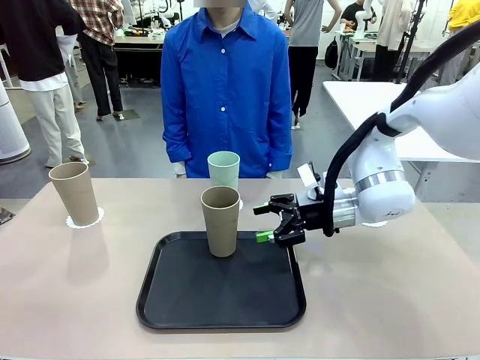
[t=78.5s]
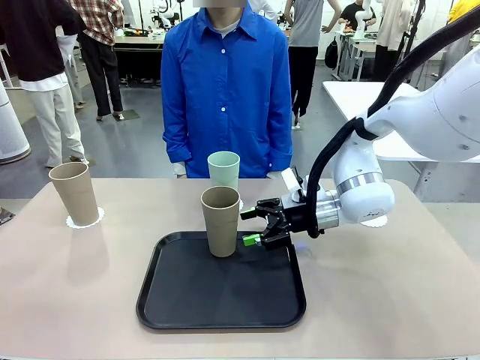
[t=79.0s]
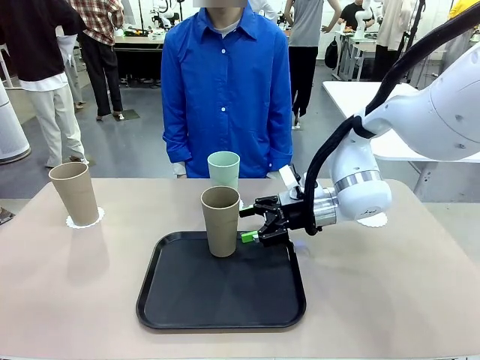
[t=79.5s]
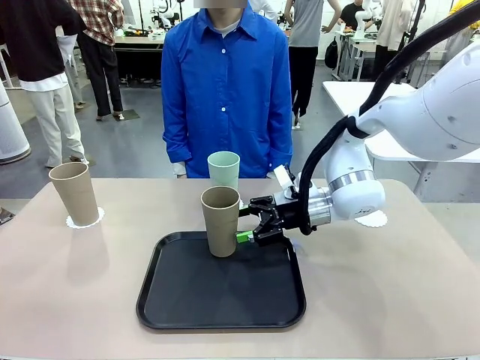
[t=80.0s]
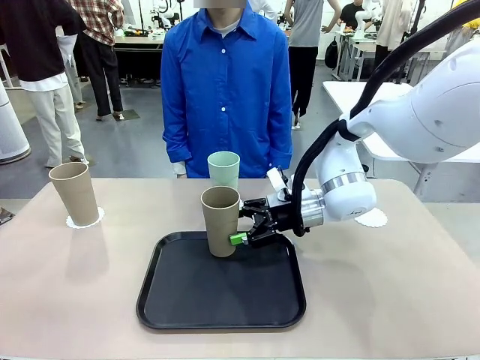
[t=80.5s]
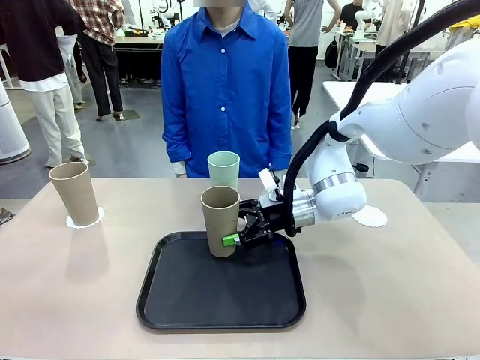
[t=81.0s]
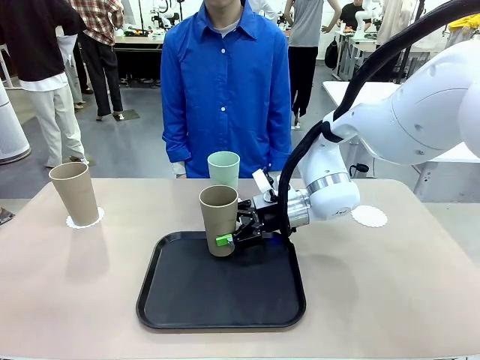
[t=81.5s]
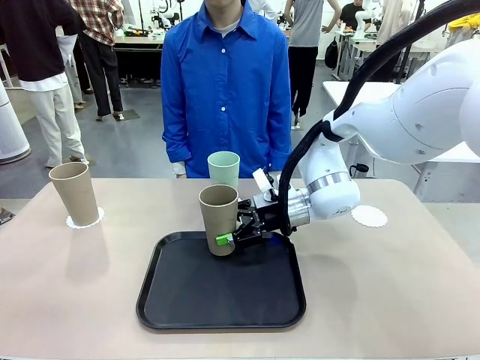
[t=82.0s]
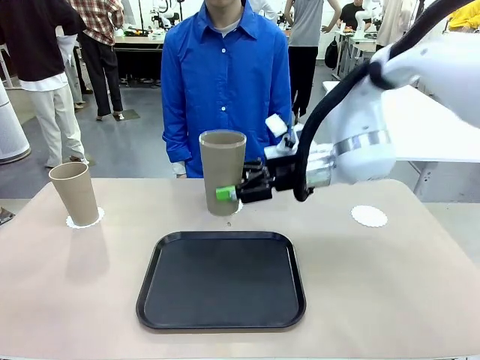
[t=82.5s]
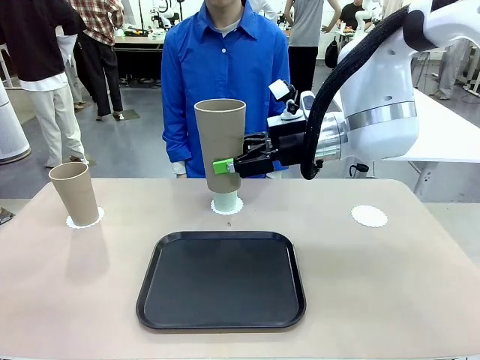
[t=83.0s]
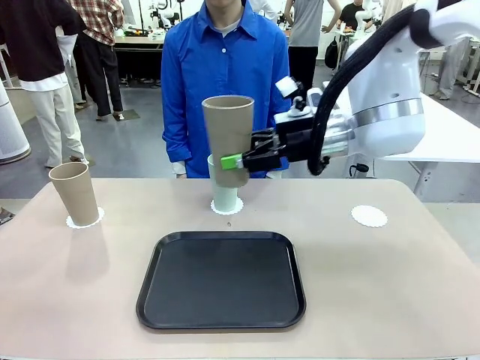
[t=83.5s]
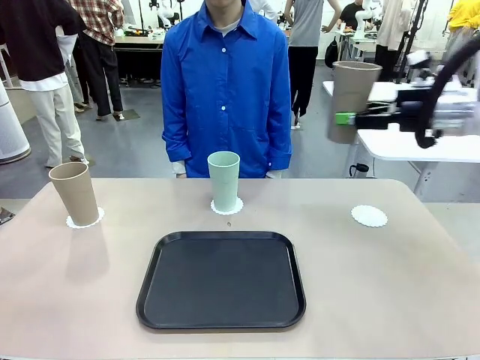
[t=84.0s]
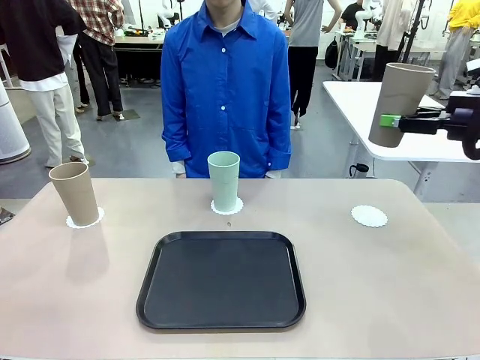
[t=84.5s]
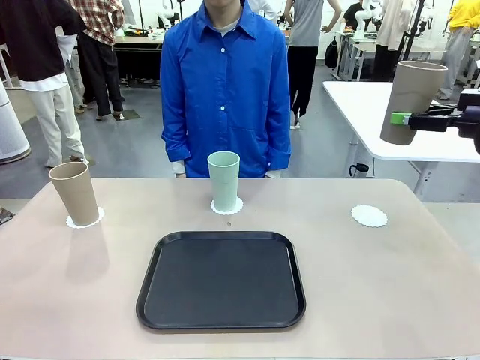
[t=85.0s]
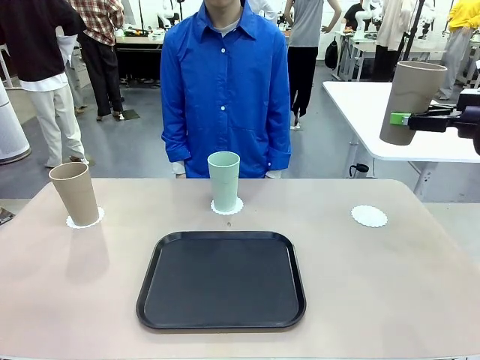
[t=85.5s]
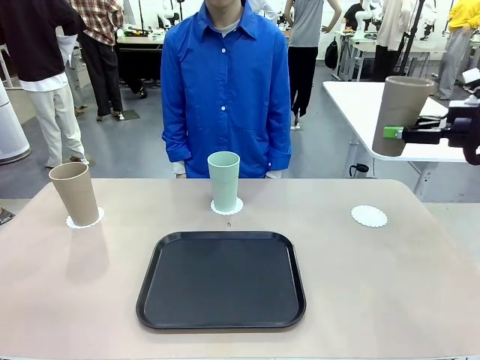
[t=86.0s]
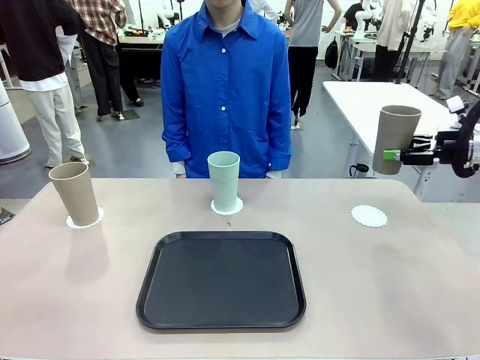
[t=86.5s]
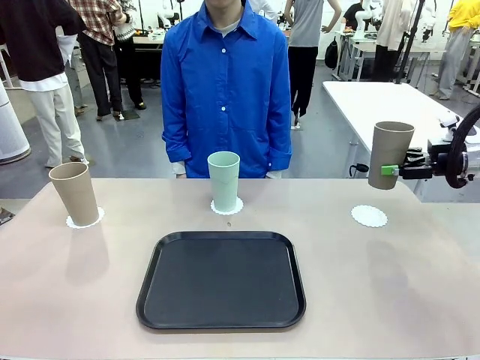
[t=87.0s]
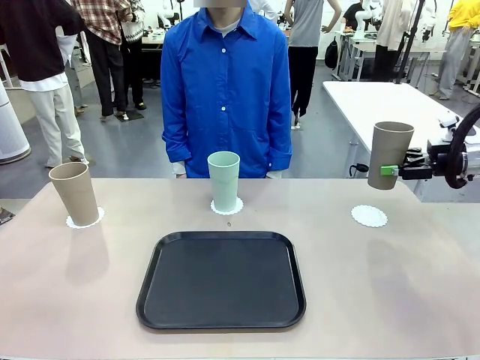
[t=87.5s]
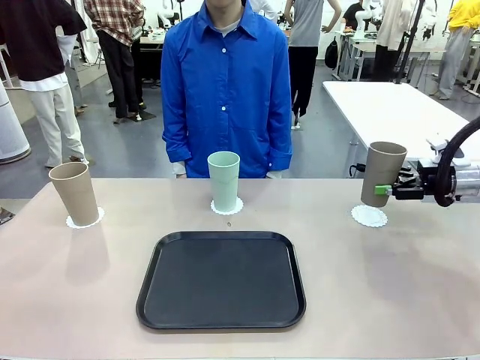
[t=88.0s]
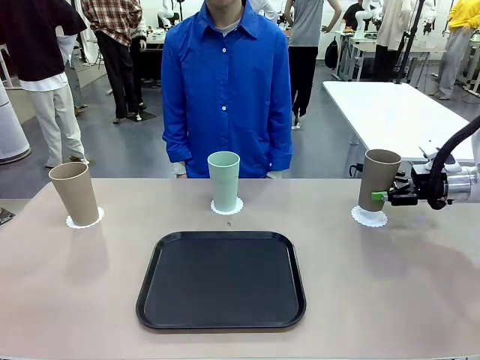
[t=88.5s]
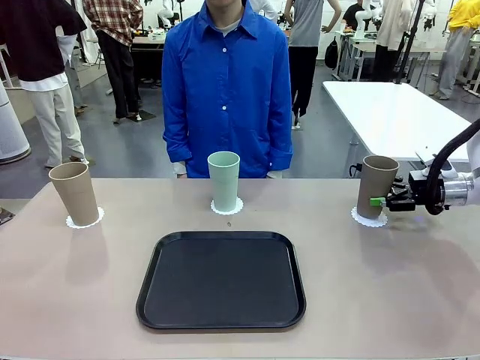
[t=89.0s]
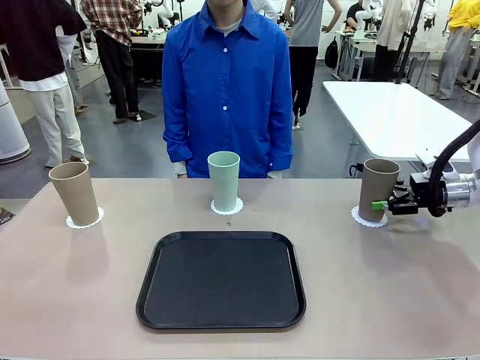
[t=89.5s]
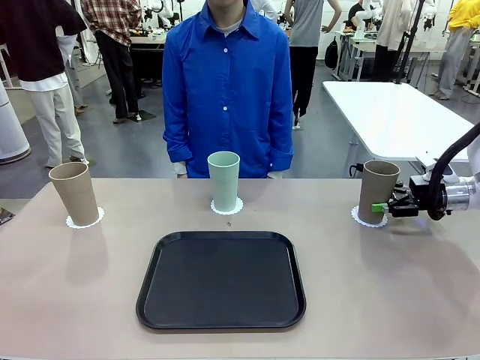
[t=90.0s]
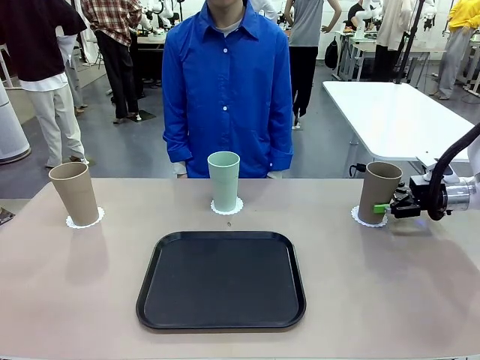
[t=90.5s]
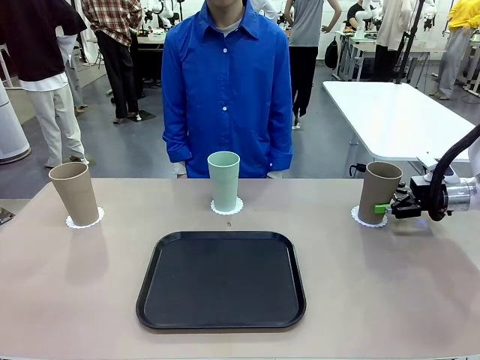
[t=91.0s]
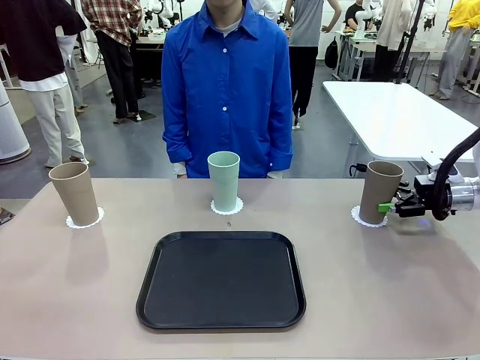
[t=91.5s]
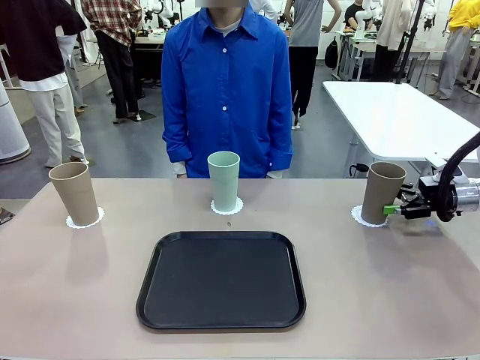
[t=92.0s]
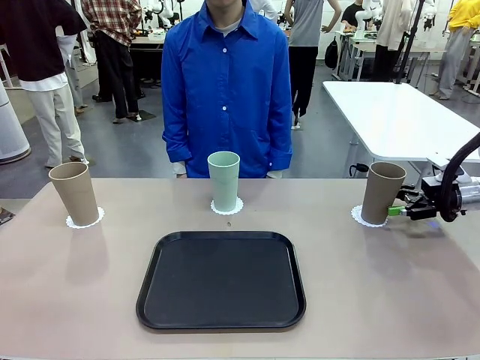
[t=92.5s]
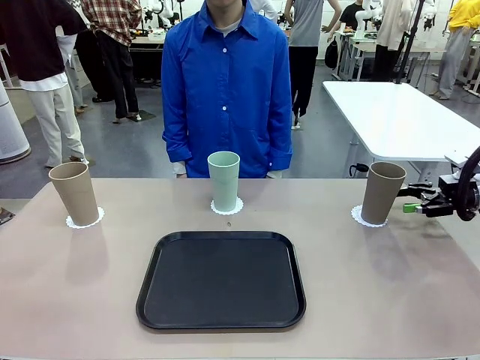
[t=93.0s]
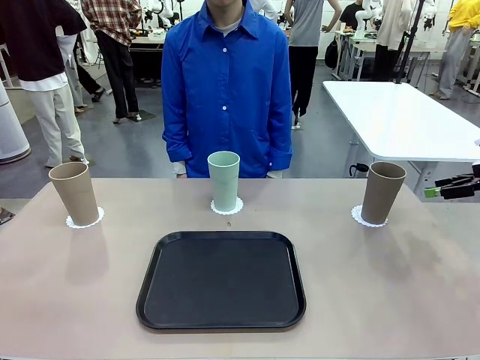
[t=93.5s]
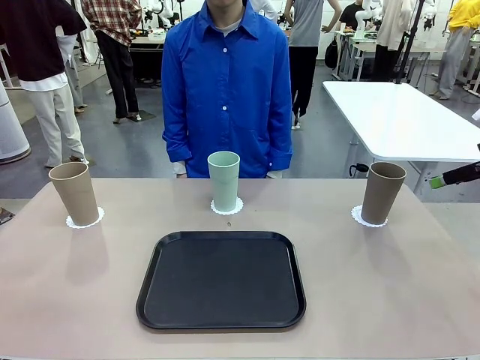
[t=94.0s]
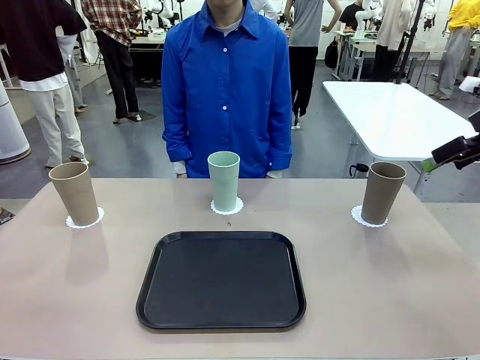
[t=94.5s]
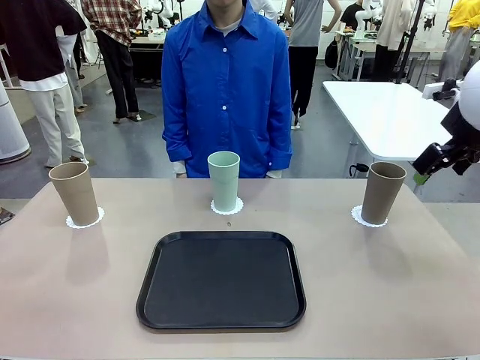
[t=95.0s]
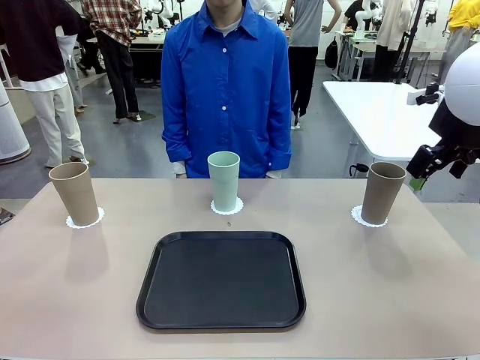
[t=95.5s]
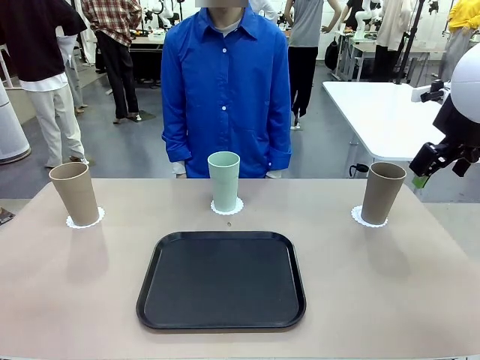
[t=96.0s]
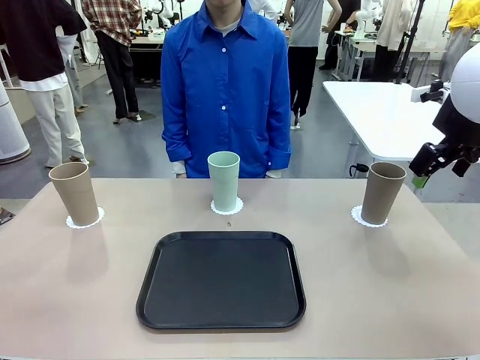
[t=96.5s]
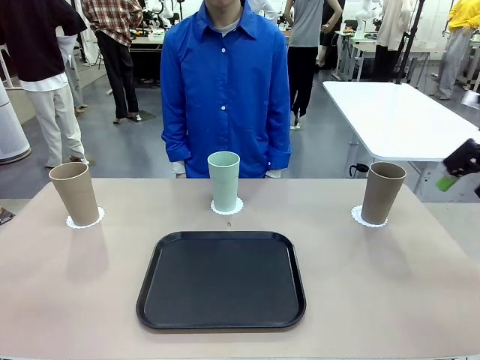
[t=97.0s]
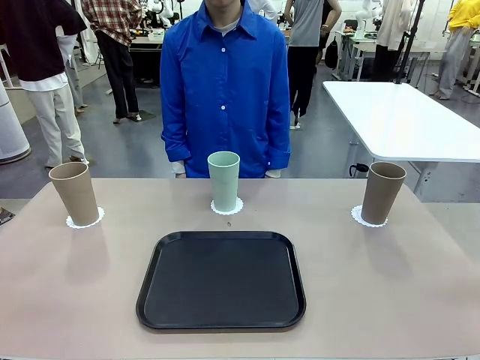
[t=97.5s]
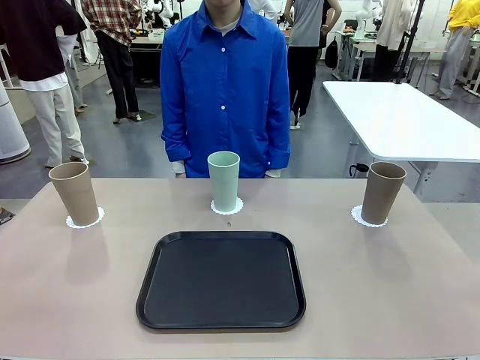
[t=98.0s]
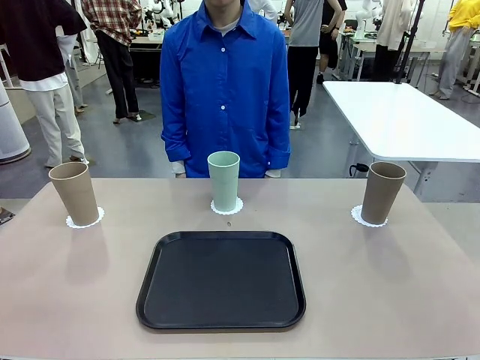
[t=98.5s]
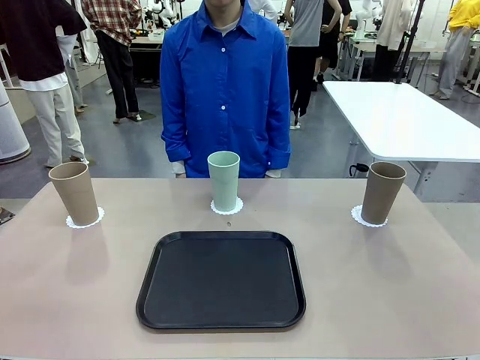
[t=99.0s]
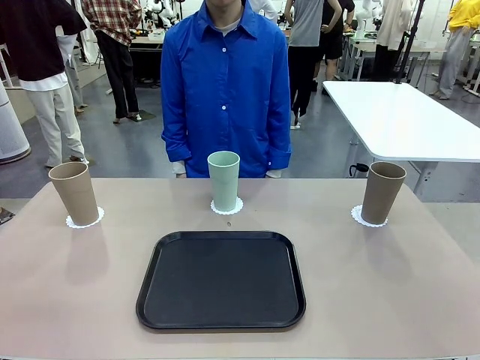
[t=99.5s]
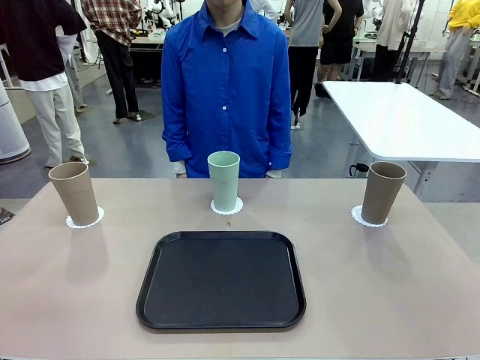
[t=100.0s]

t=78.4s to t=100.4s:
Task: Place coasters on the table and set cups on them.
Robot: Take one Reusable plastic cup from the Flat Tray and place it on a coaster set by the human.
